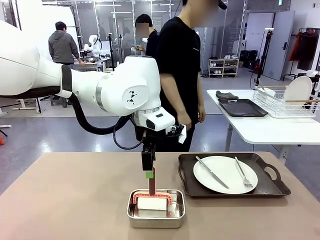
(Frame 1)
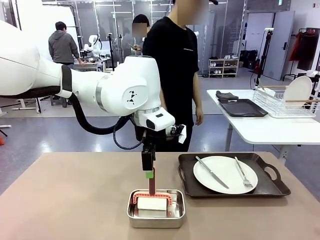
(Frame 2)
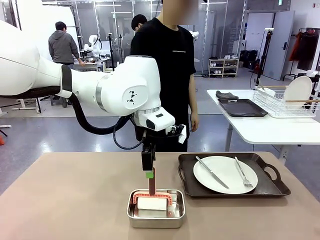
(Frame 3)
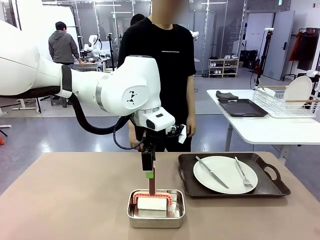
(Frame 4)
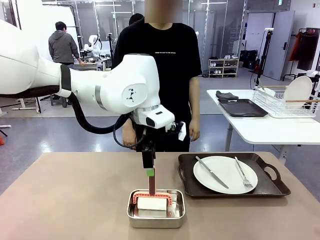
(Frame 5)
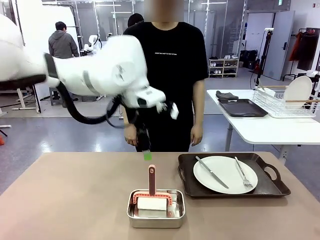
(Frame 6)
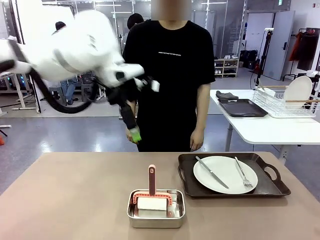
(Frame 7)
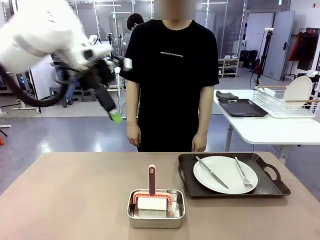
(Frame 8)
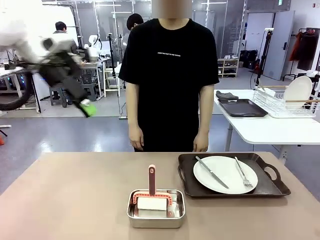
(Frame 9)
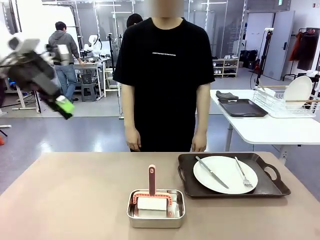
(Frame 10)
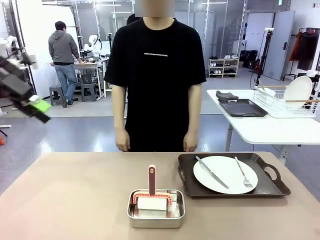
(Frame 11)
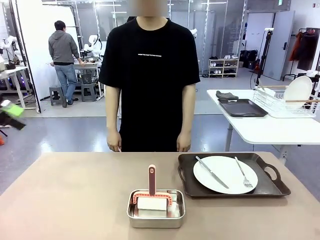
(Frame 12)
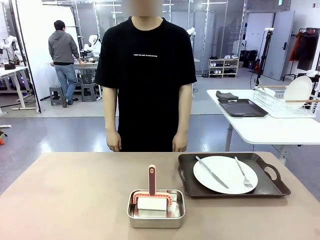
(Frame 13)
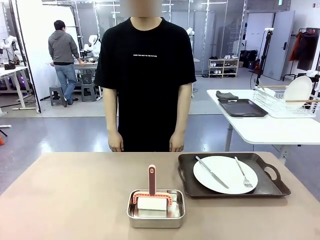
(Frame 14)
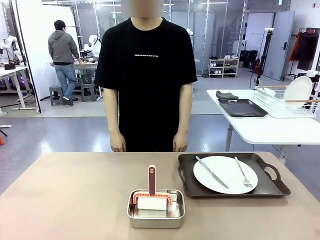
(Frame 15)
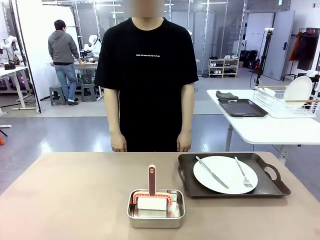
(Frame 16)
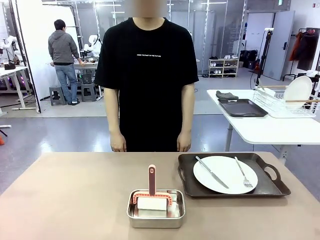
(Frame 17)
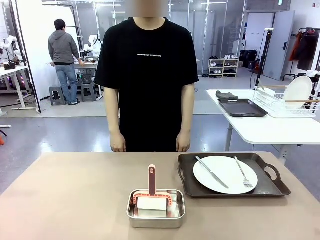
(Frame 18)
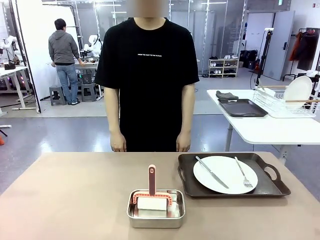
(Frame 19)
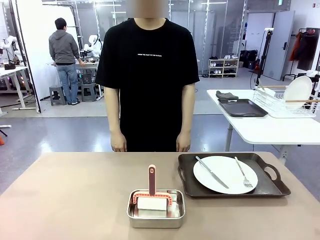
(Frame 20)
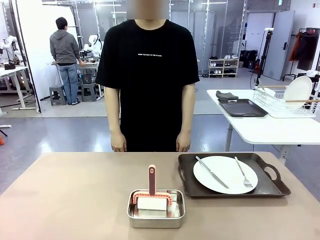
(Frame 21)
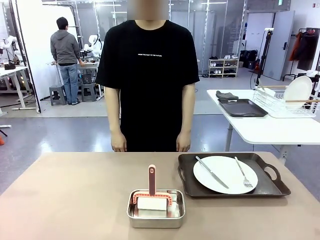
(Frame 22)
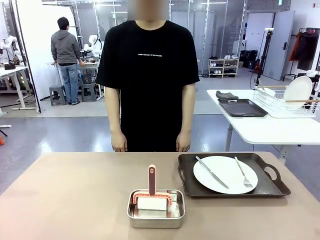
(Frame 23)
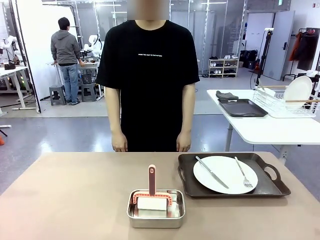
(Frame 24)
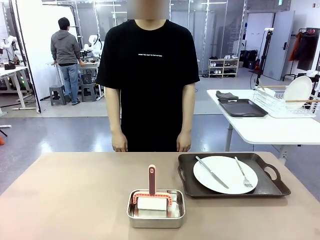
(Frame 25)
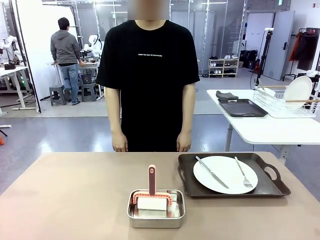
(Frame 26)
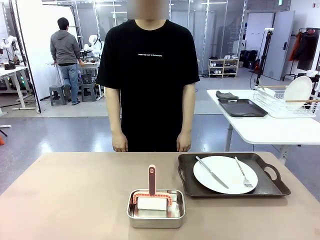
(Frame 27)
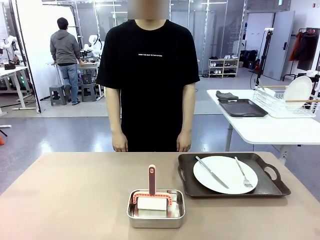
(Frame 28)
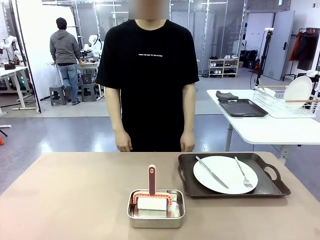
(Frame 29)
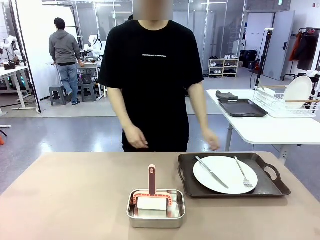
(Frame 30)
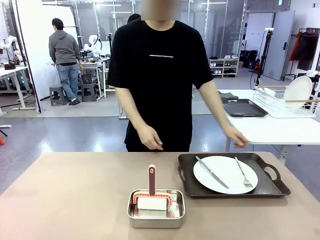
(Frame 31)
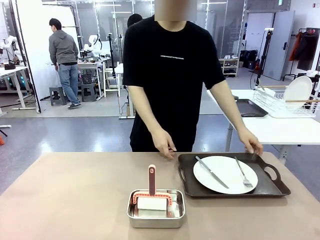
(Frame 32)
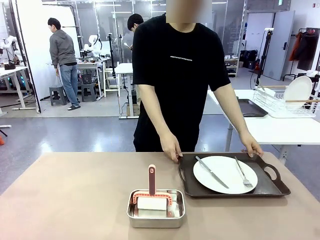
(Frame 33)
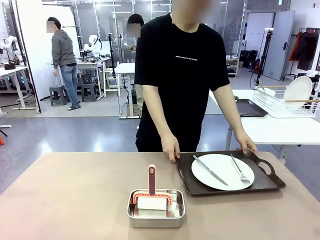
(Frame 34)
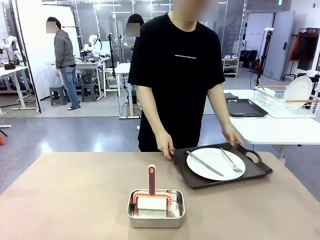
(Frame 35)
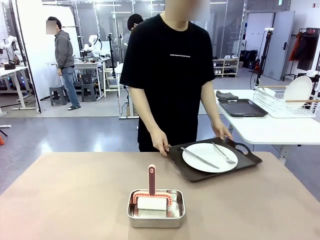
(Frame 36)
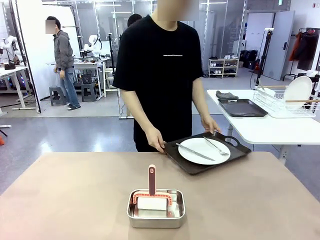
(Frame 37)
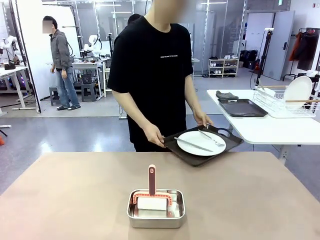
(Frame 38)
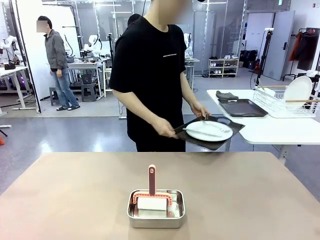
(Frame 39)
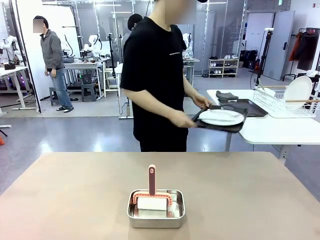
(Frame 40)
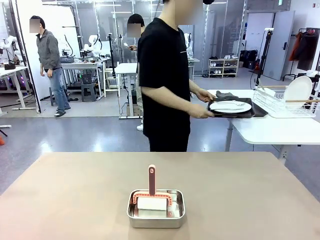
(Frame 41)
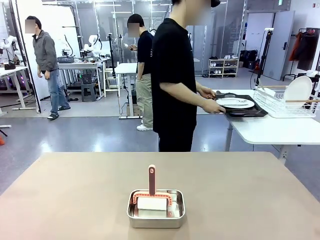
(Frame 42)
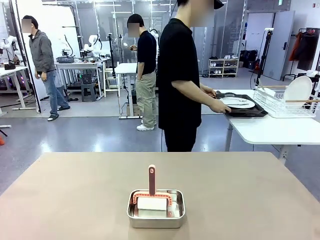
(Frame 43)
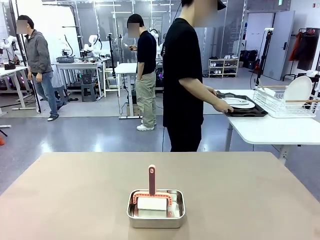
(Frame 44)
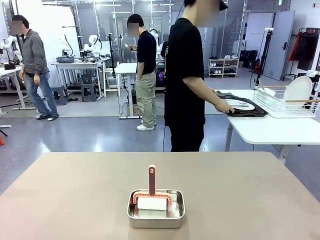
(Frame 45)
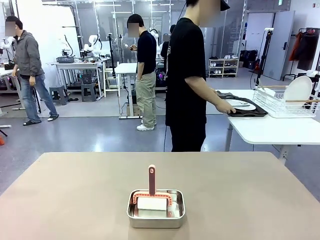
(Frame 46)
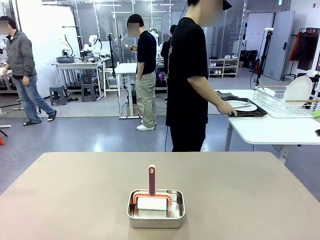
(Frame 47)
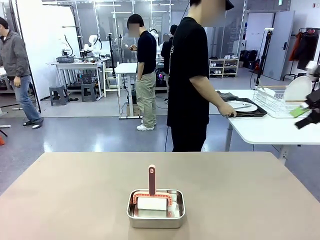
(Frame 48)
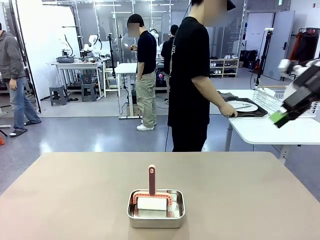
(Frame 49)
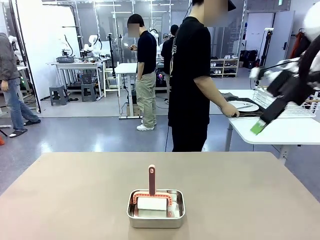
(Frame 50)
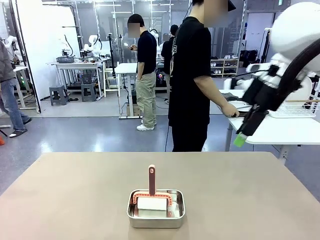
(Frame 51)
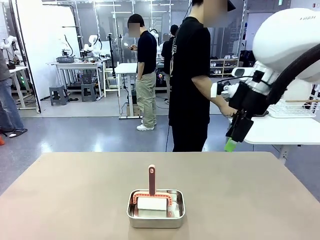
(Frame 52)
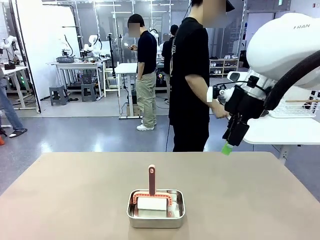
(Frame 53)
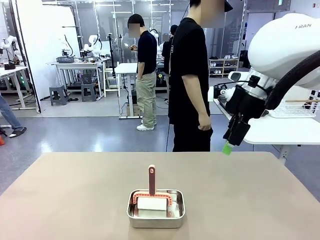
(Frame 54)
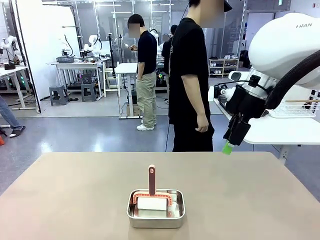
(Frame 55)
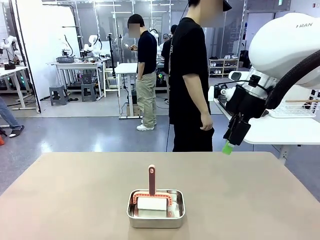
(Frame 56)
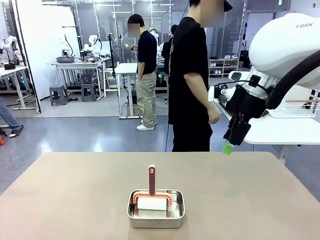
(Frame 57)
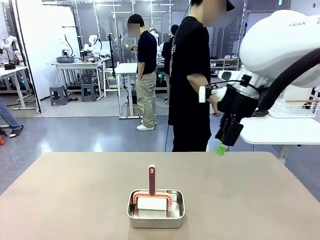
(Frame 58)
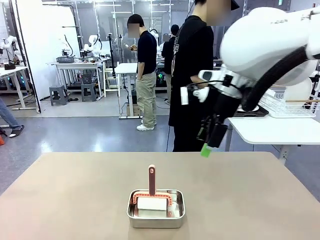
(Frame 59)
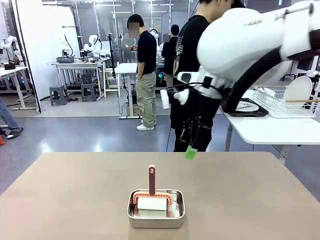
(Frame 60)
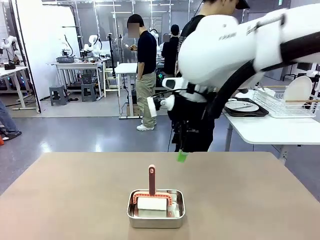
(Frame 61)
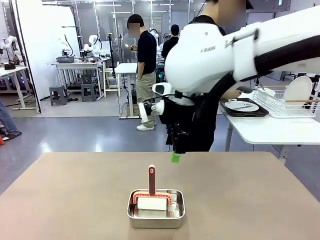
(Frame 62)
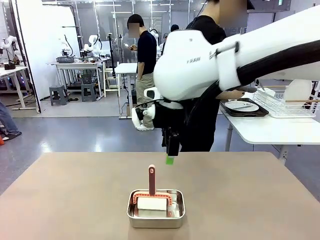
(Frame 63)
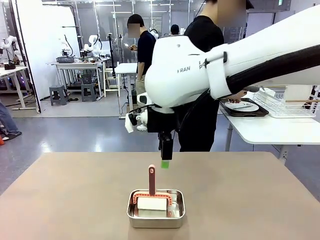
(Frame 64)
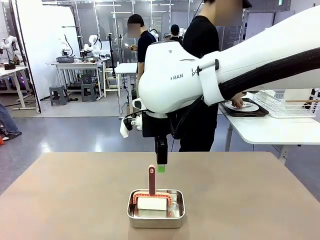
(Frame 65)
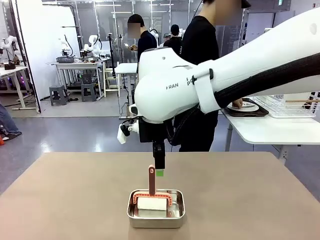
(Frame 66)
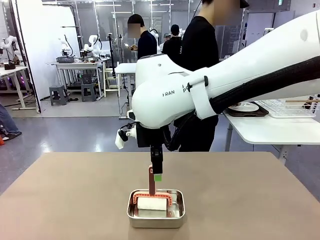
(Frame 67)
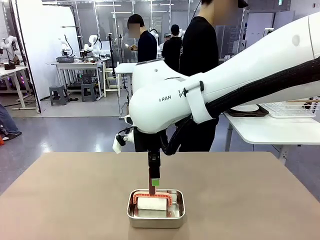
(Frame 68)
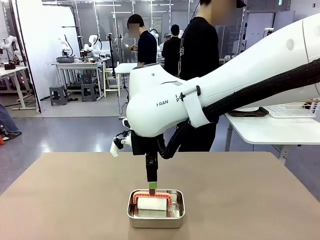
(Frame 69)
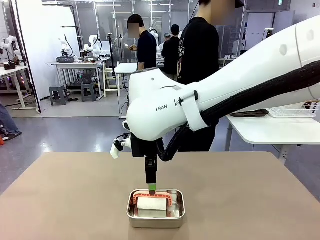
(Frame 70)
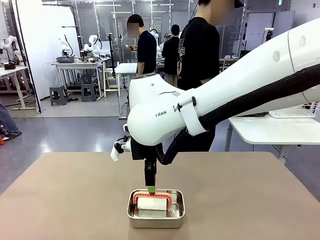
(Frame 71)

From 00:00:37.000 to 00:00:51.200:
Robot: When the right (or left) Handle tray is removed, use the right hand (or left hand) to clean the right (or left) side of the table with the Lint Roller.
Person: Pick up the left (or right) Handle tray and place it on the Handle tray.
